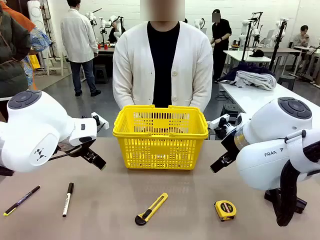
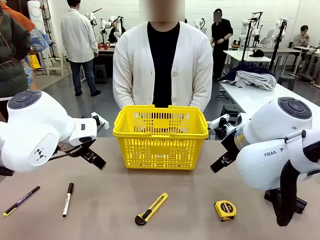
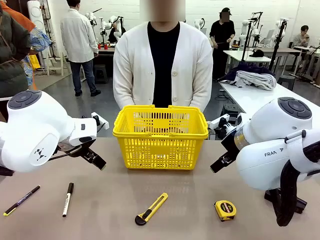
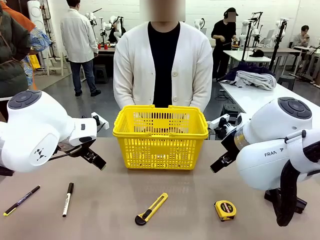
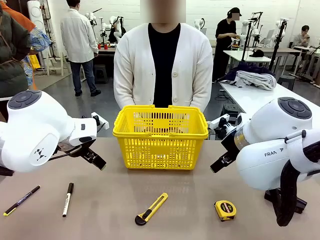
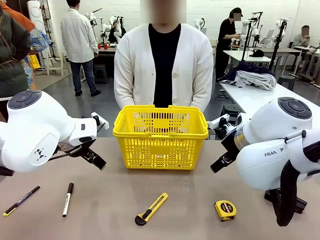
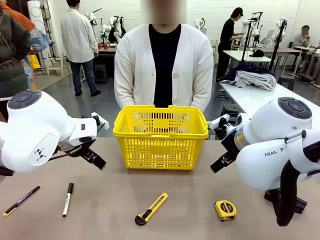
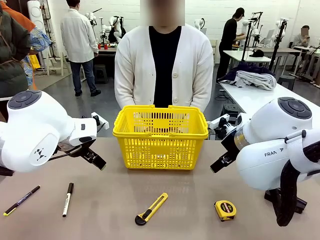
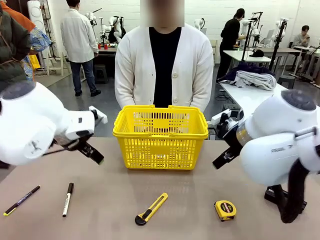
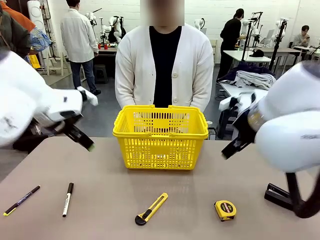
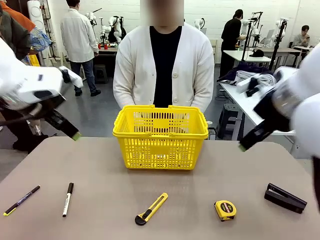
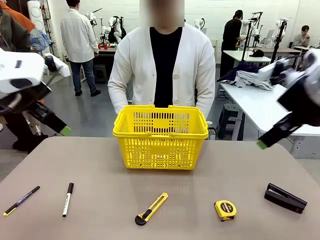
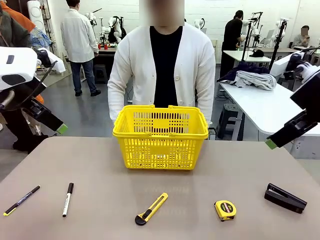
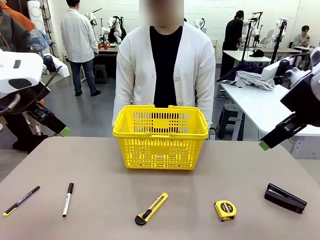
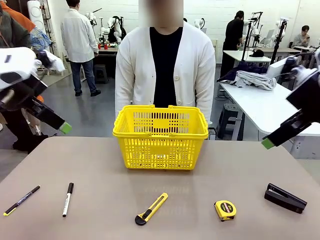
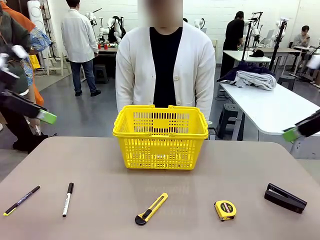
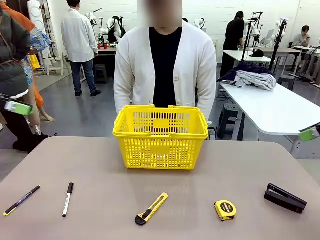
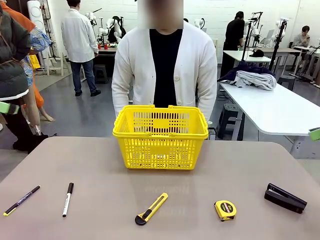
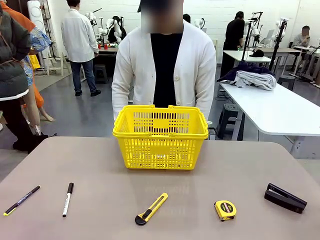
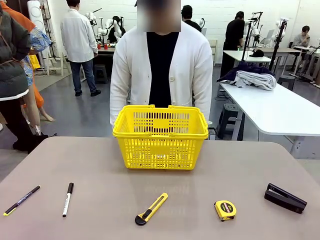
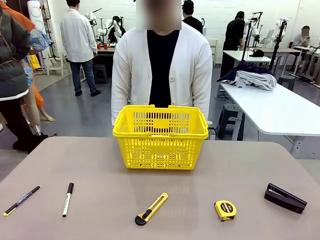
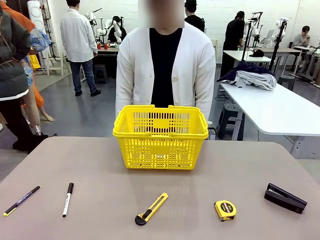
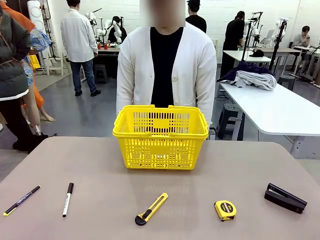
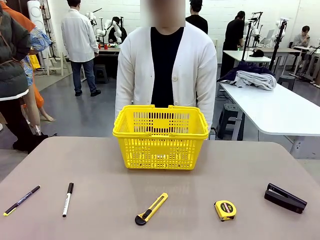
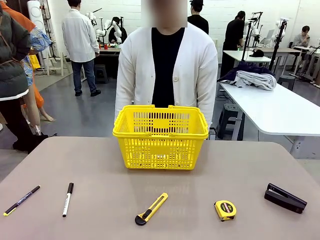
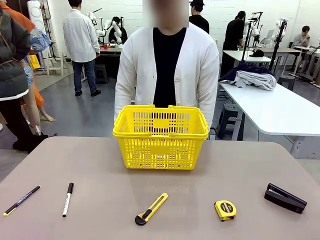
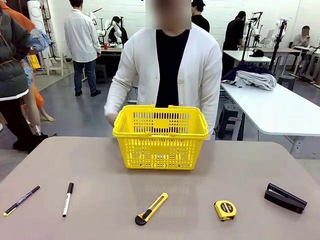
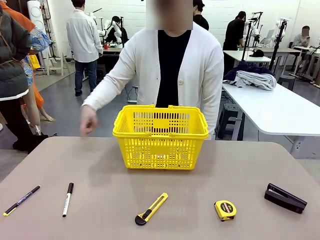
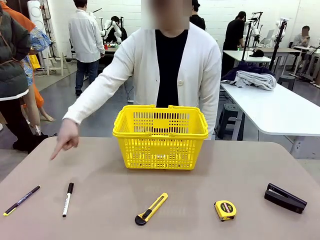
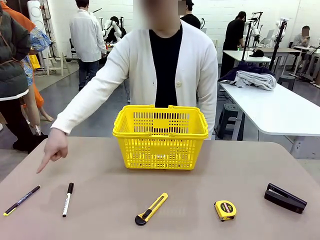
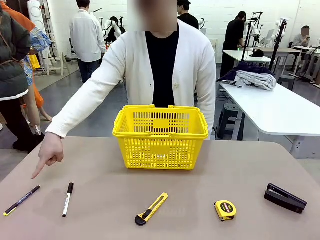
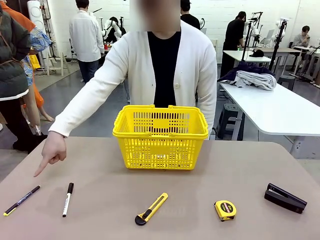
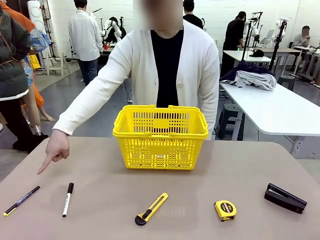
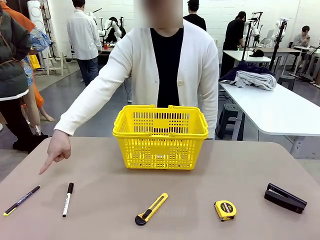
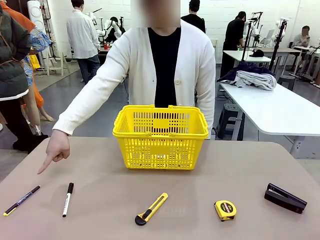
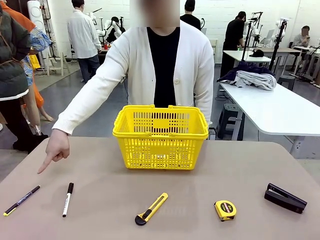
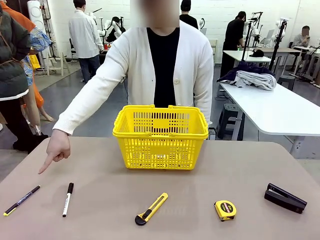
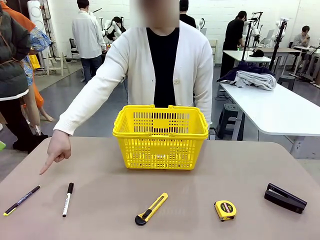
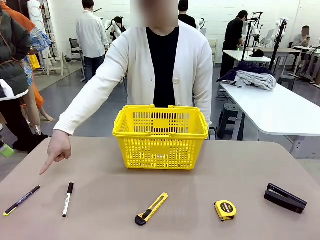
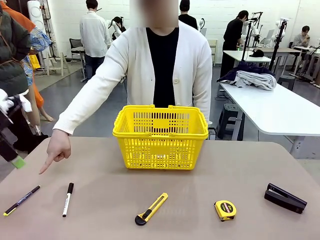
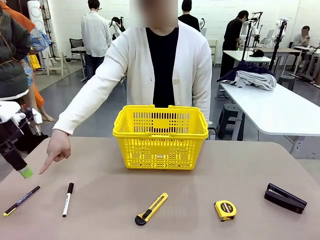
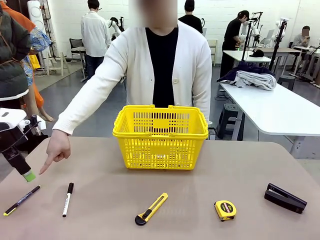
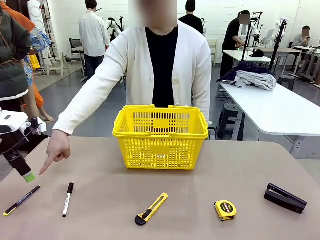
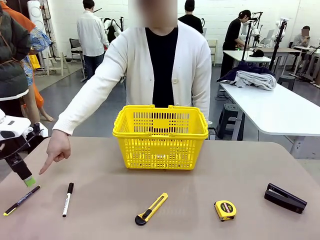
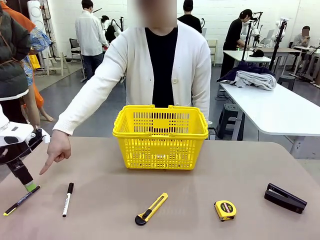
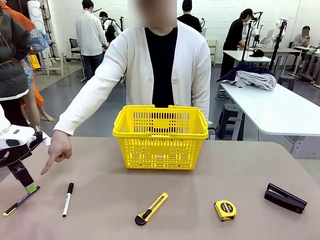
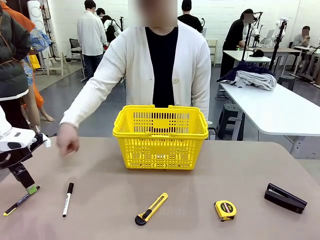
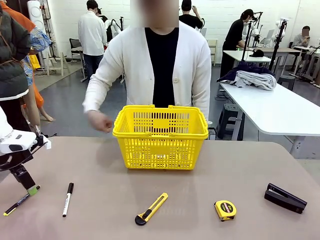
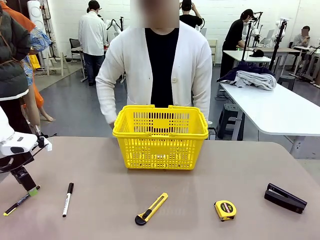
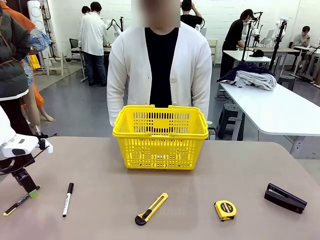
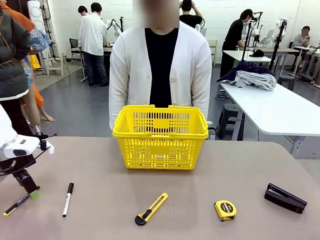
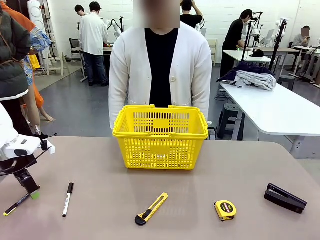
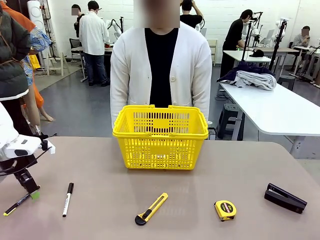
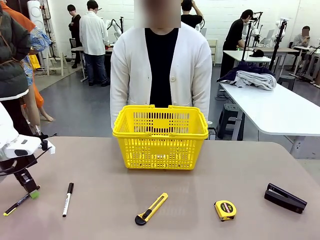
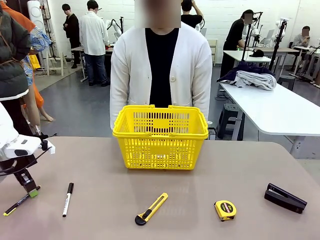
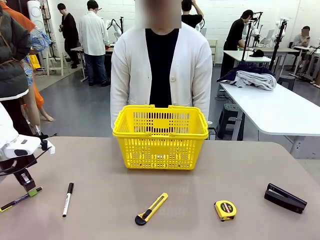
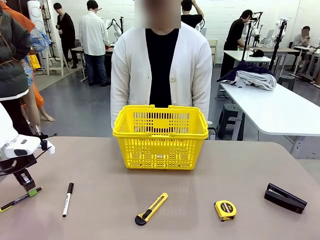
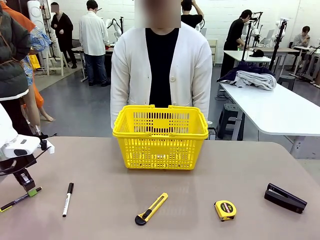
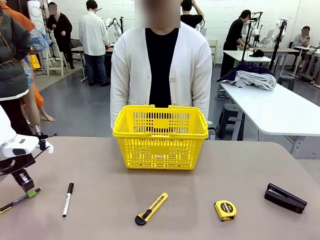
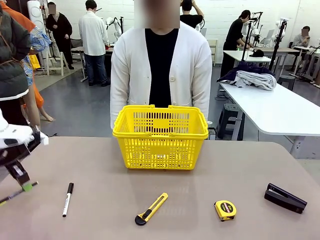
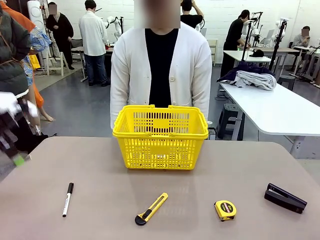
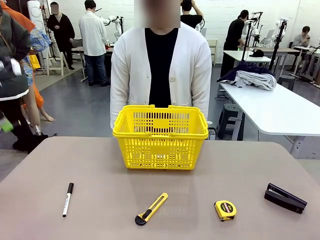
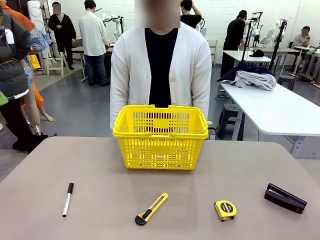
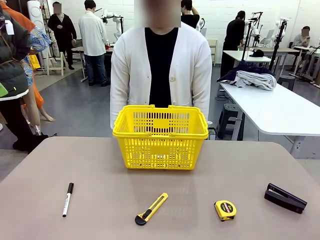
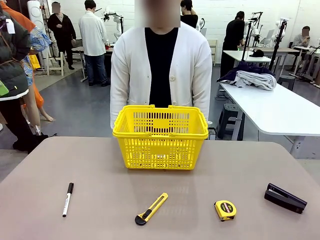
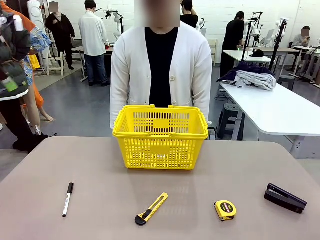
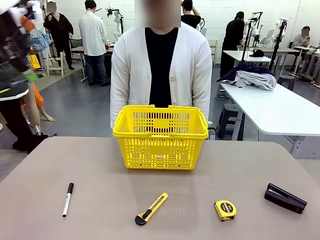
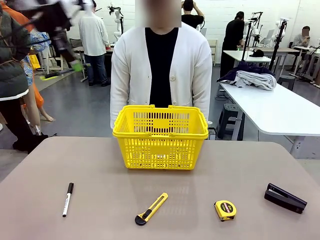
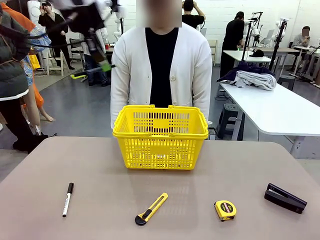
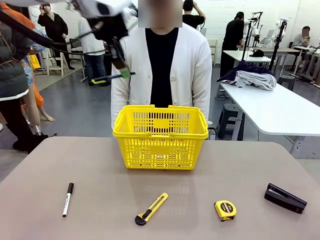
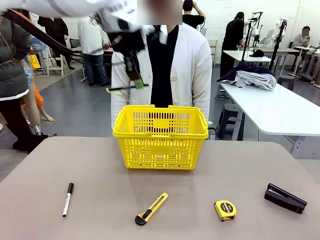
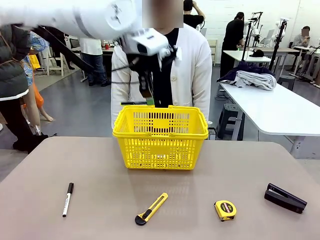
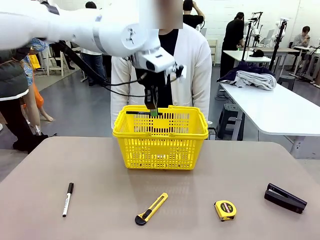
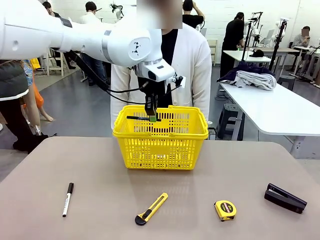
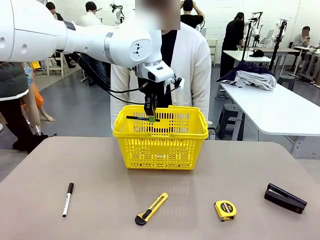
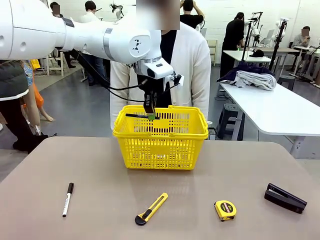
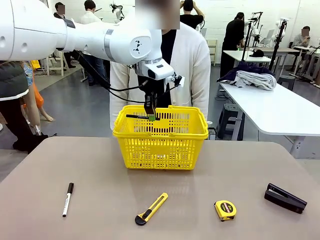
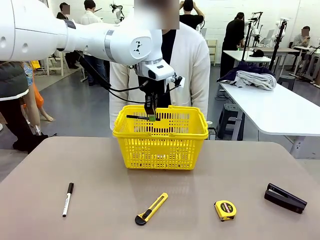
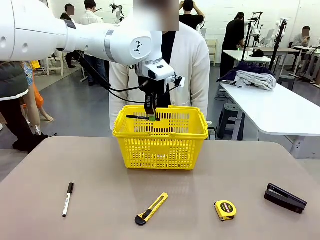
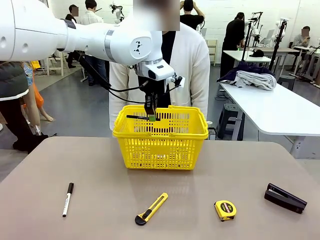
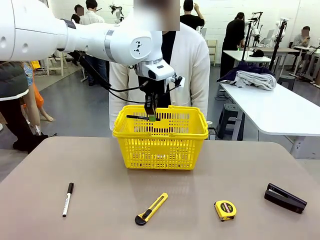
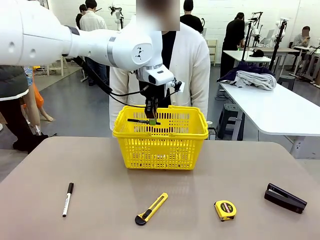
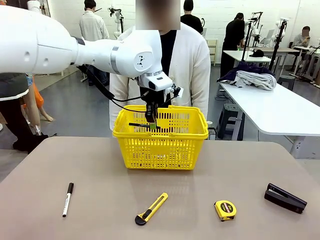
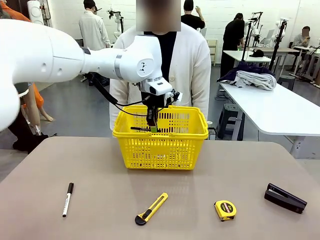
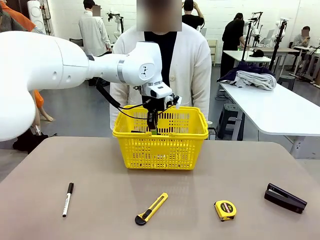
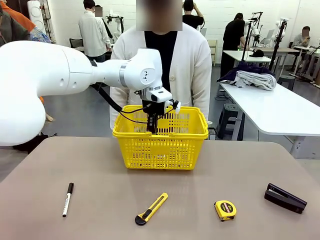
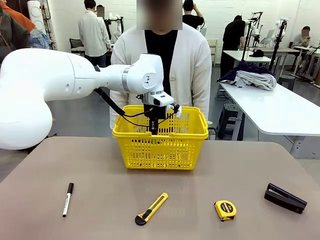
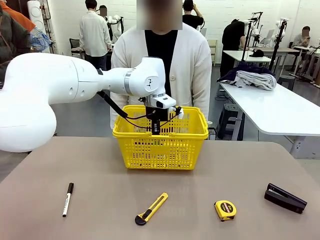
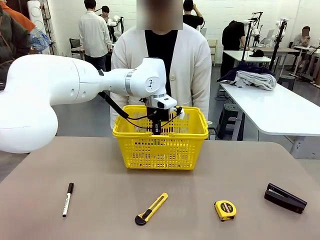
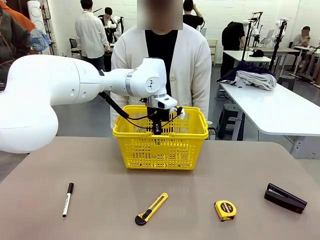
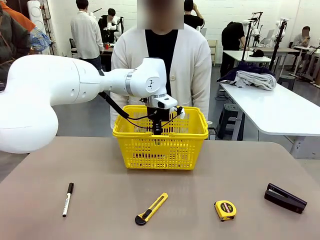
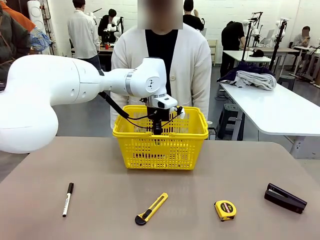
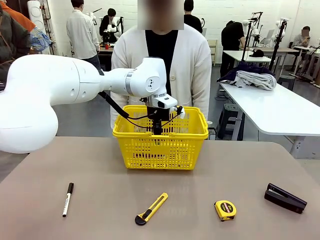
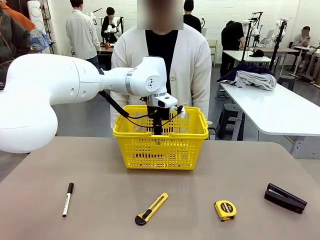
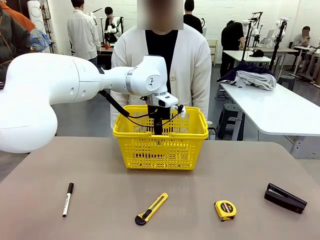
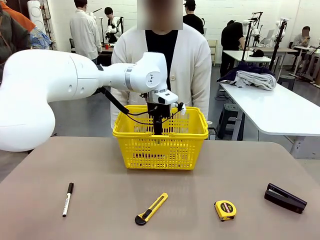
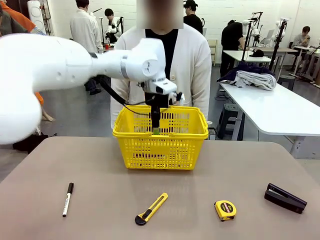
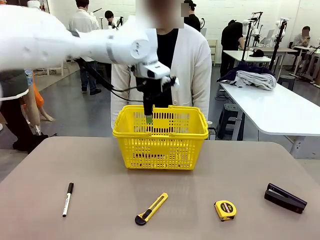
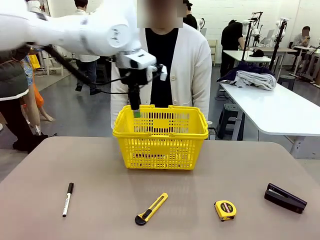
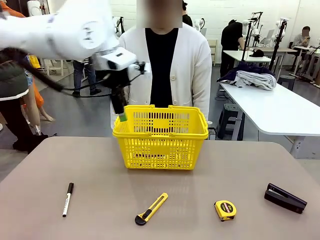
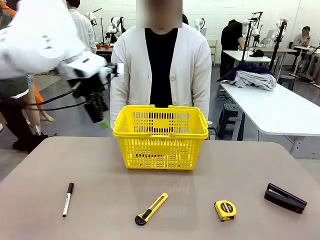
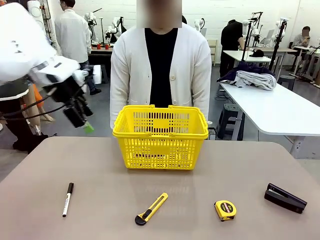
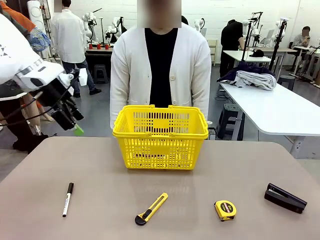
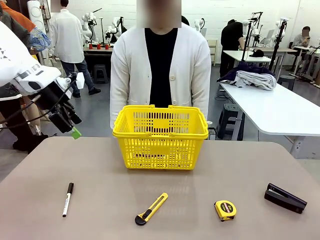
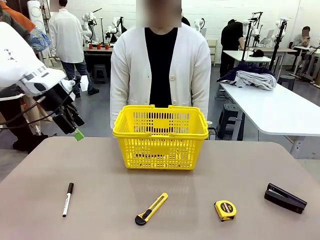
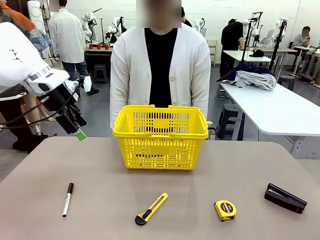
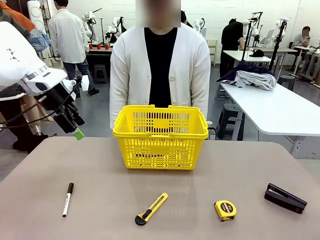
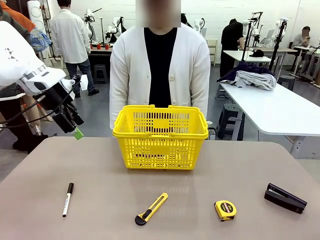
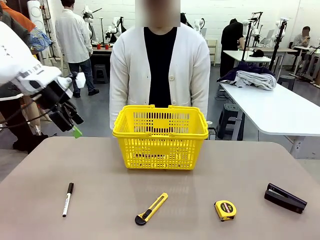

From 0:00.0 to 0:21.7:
Task: Place the items the person wants into the basket.
Robot: Pick up the item the person points to and place it in the Market Basket.
